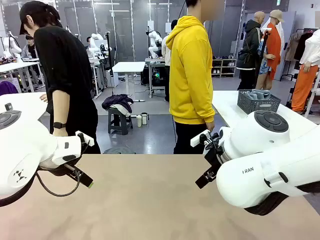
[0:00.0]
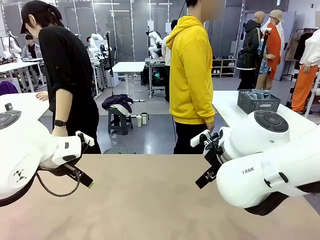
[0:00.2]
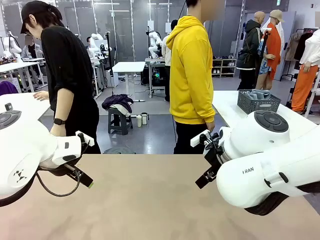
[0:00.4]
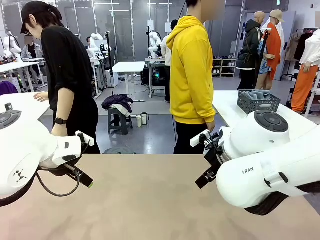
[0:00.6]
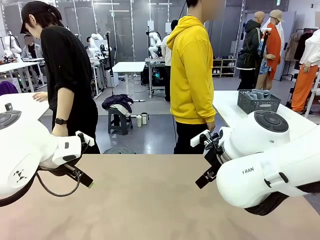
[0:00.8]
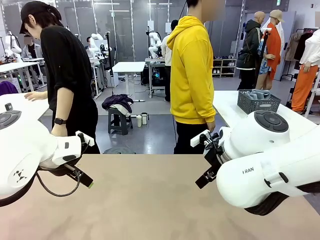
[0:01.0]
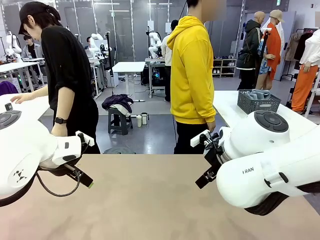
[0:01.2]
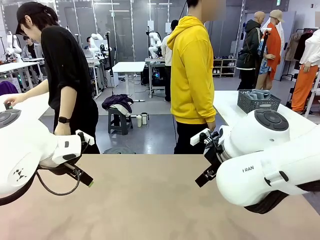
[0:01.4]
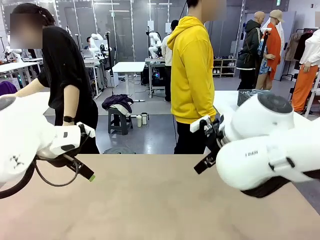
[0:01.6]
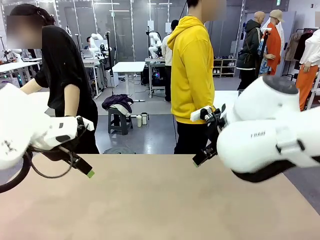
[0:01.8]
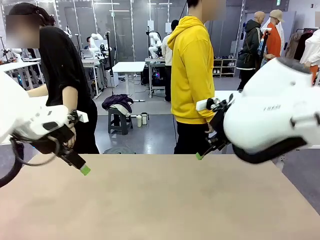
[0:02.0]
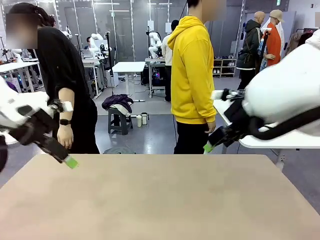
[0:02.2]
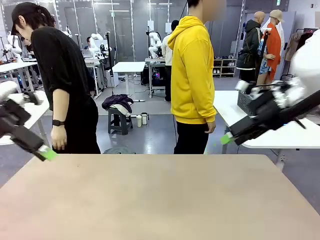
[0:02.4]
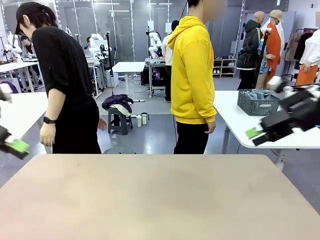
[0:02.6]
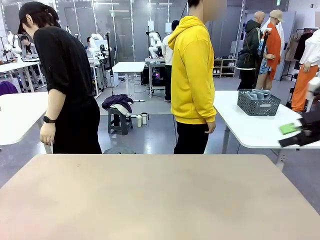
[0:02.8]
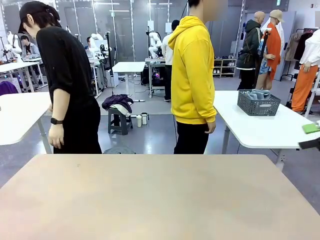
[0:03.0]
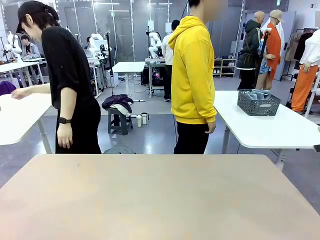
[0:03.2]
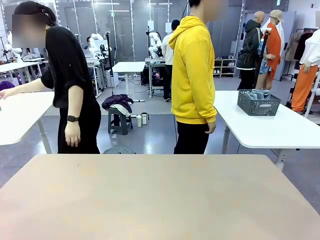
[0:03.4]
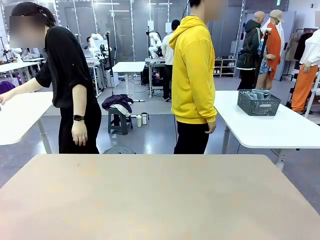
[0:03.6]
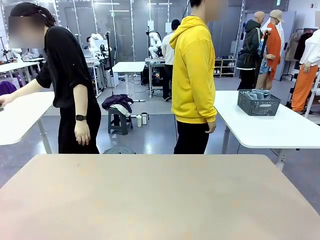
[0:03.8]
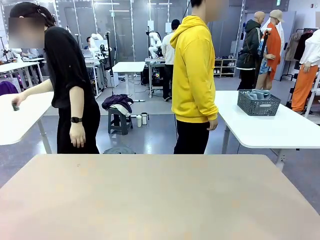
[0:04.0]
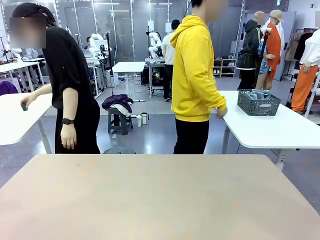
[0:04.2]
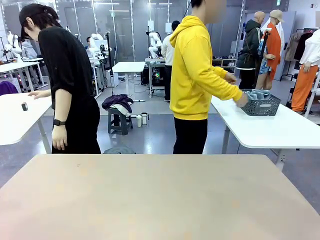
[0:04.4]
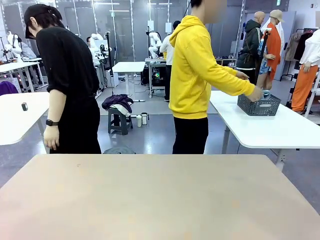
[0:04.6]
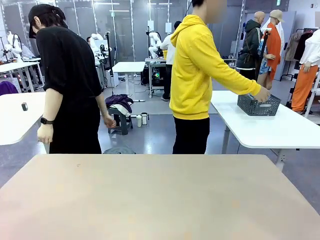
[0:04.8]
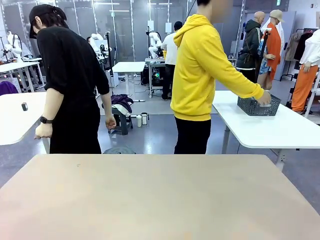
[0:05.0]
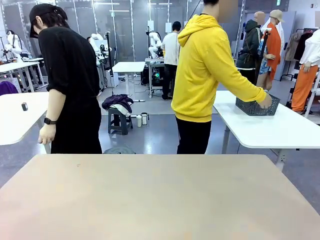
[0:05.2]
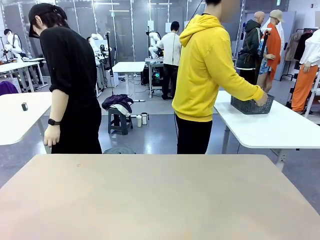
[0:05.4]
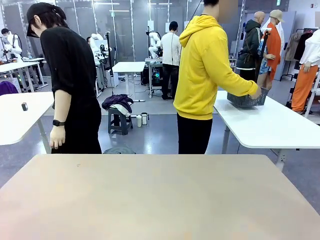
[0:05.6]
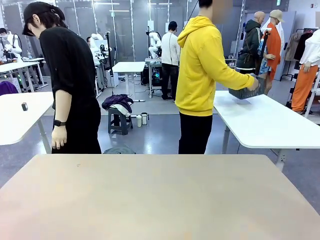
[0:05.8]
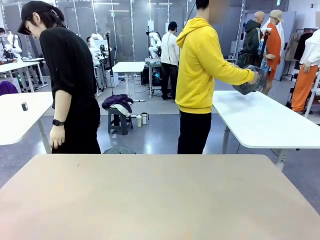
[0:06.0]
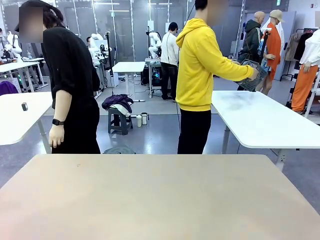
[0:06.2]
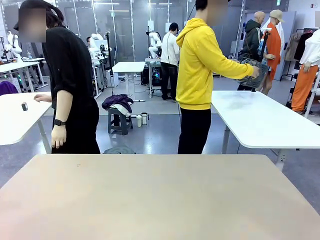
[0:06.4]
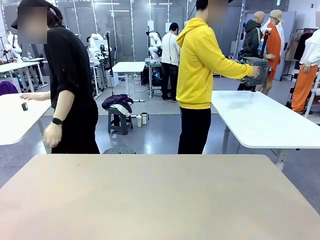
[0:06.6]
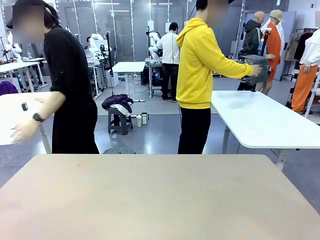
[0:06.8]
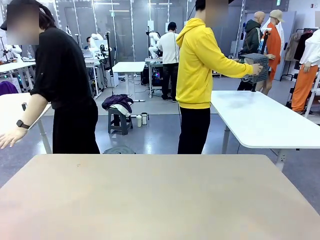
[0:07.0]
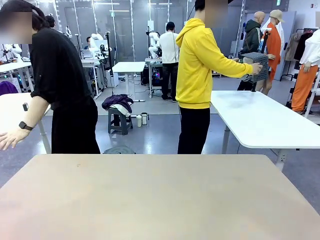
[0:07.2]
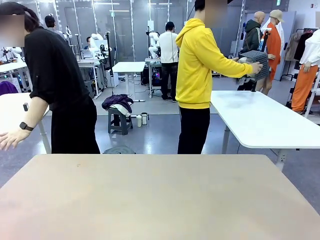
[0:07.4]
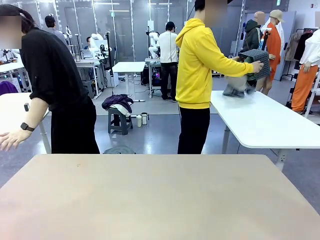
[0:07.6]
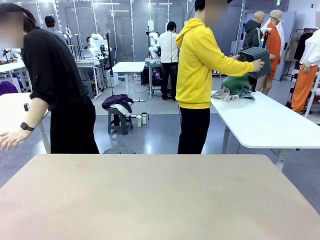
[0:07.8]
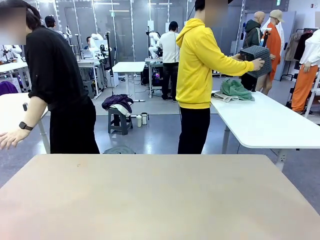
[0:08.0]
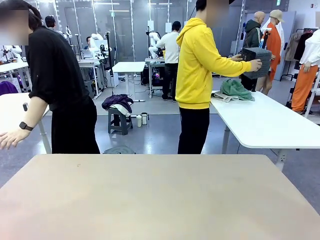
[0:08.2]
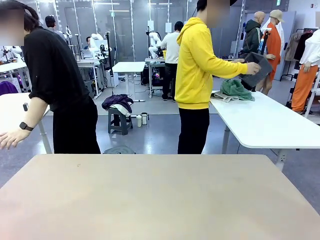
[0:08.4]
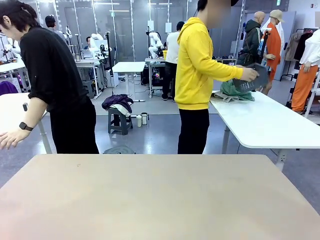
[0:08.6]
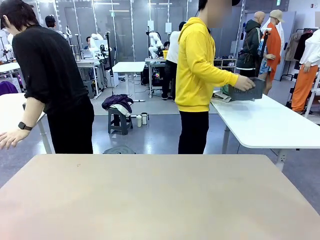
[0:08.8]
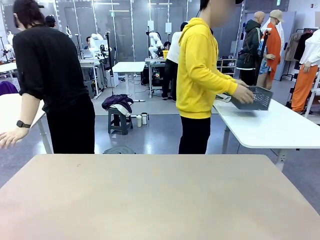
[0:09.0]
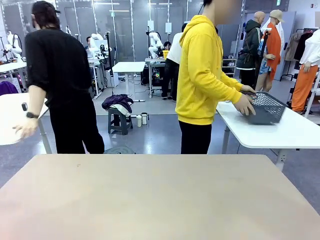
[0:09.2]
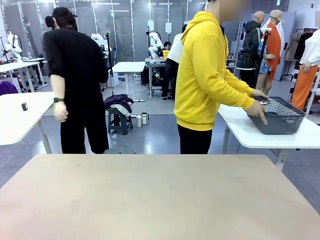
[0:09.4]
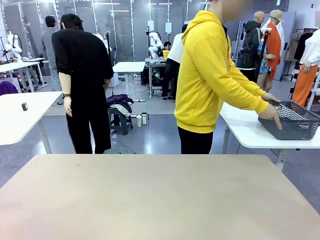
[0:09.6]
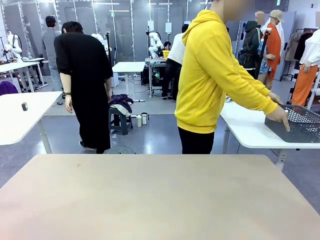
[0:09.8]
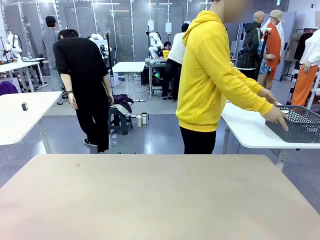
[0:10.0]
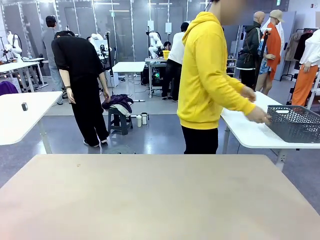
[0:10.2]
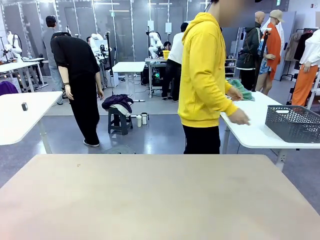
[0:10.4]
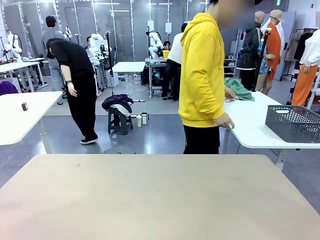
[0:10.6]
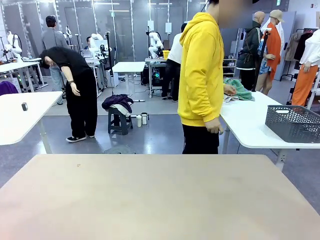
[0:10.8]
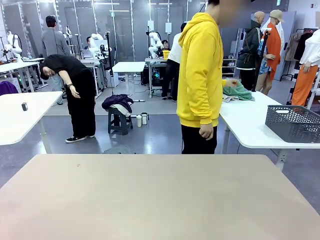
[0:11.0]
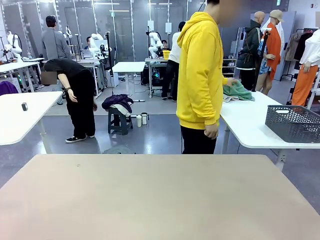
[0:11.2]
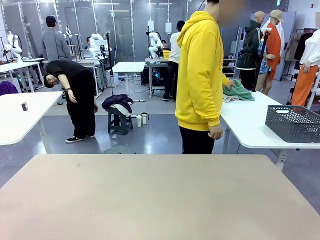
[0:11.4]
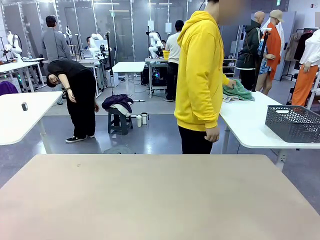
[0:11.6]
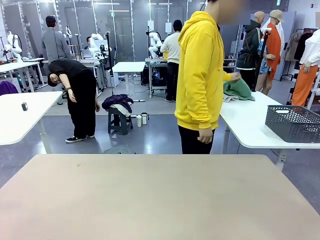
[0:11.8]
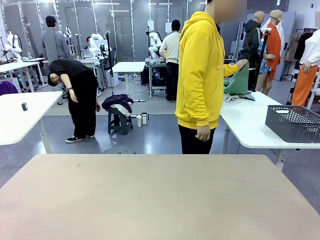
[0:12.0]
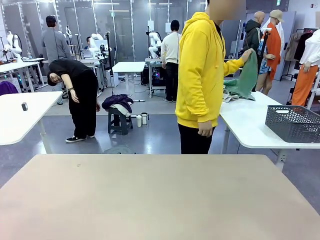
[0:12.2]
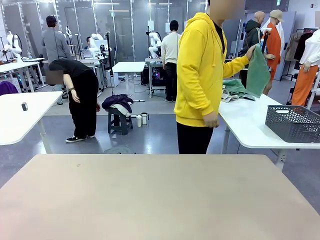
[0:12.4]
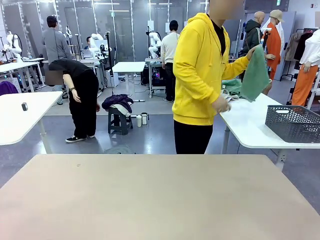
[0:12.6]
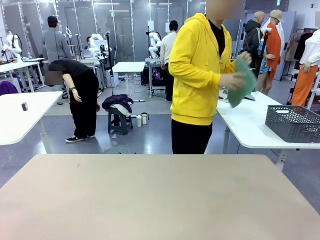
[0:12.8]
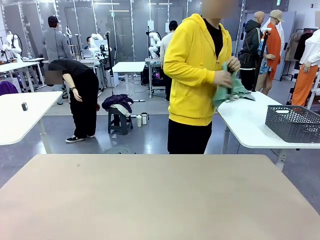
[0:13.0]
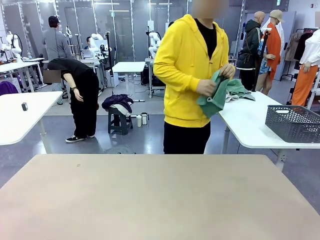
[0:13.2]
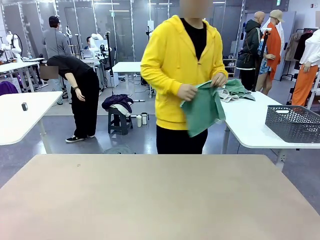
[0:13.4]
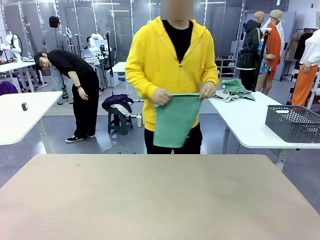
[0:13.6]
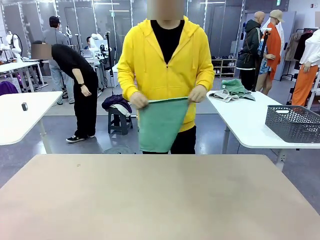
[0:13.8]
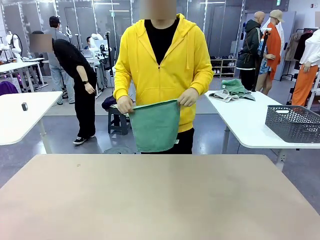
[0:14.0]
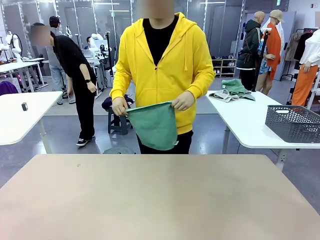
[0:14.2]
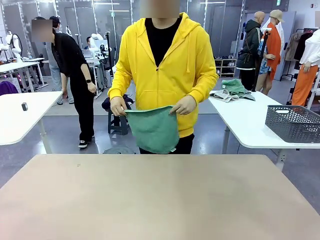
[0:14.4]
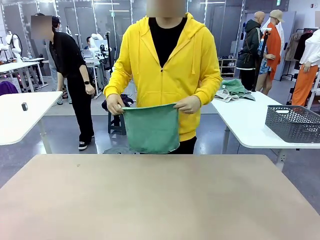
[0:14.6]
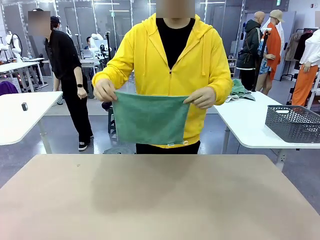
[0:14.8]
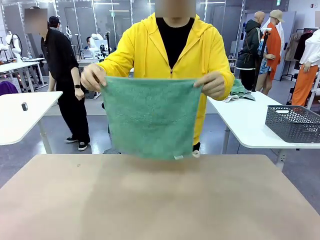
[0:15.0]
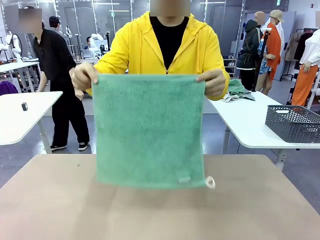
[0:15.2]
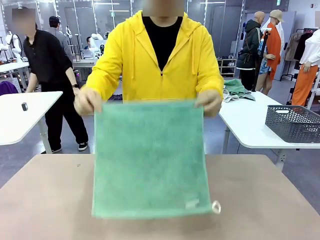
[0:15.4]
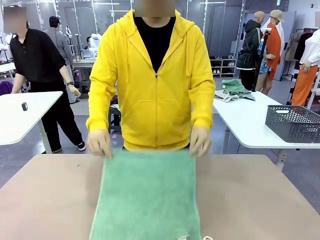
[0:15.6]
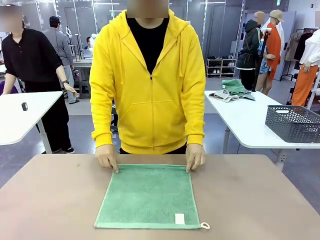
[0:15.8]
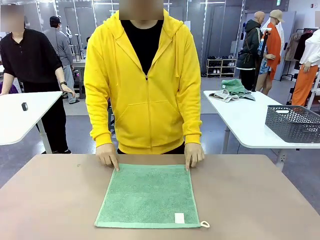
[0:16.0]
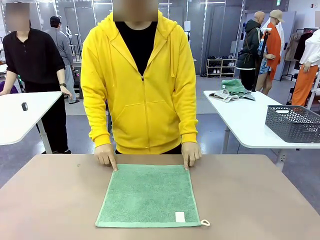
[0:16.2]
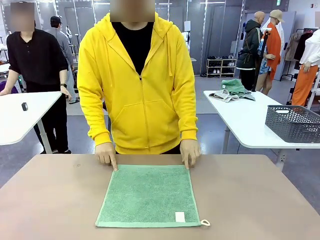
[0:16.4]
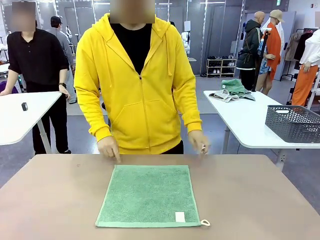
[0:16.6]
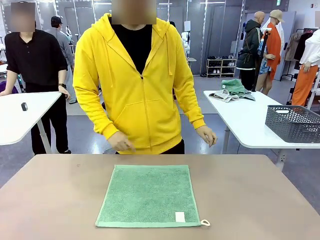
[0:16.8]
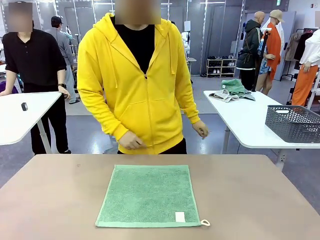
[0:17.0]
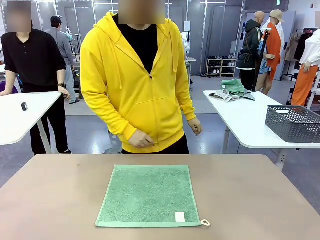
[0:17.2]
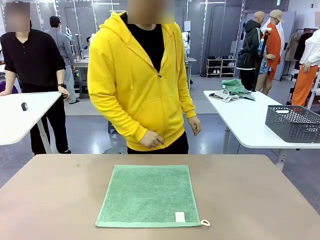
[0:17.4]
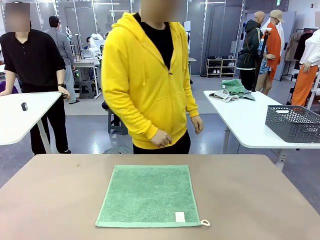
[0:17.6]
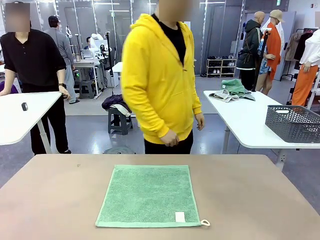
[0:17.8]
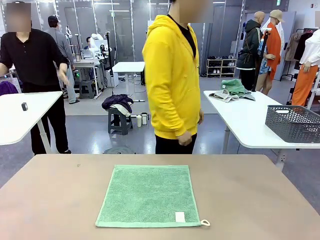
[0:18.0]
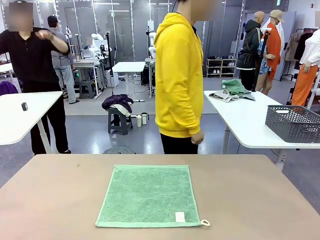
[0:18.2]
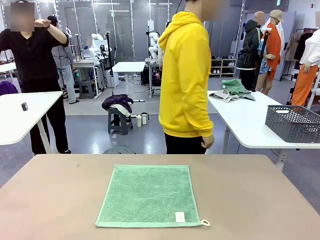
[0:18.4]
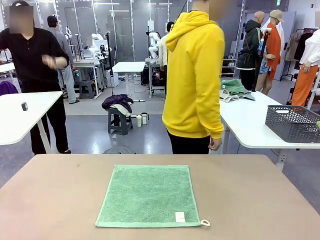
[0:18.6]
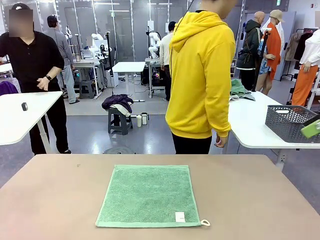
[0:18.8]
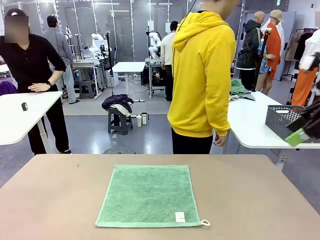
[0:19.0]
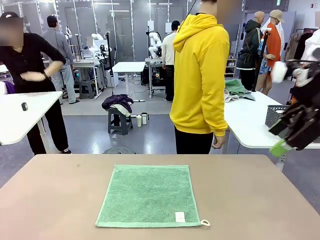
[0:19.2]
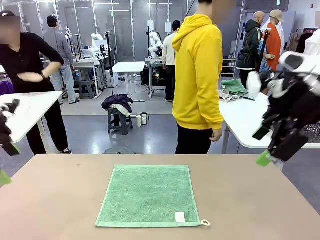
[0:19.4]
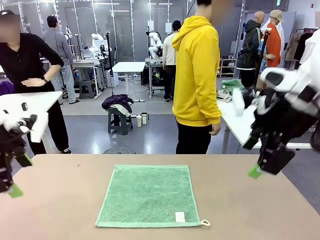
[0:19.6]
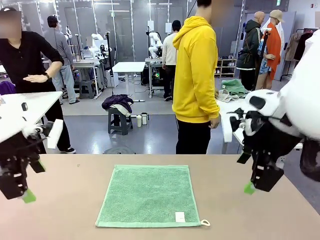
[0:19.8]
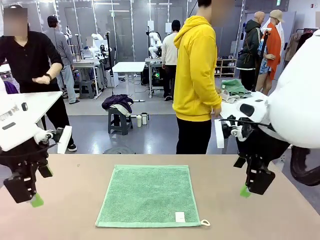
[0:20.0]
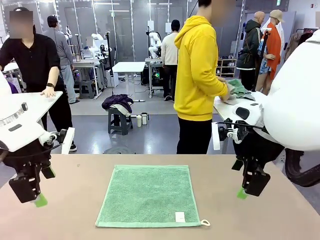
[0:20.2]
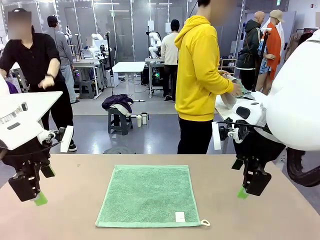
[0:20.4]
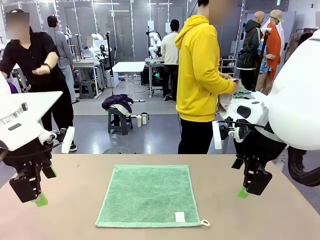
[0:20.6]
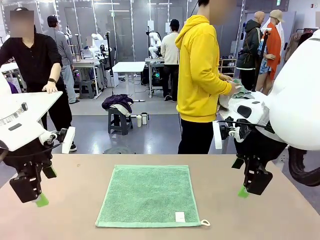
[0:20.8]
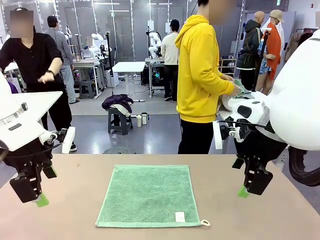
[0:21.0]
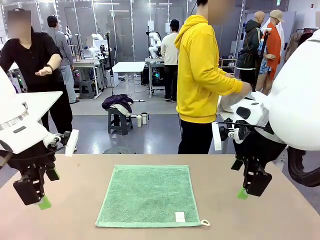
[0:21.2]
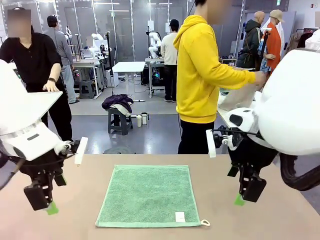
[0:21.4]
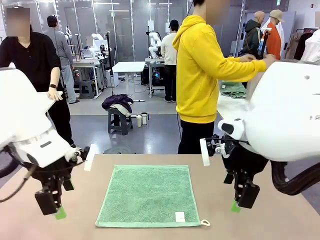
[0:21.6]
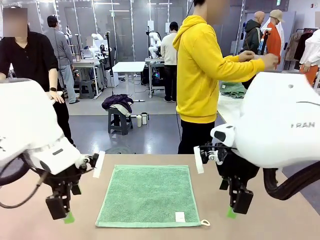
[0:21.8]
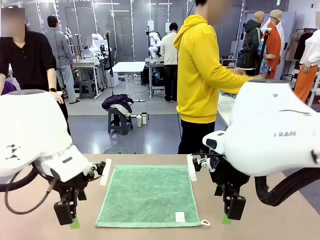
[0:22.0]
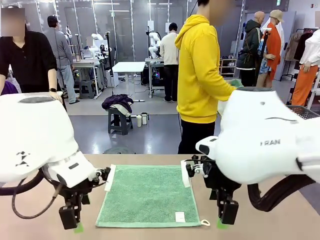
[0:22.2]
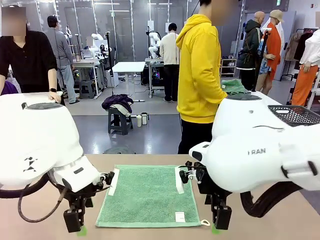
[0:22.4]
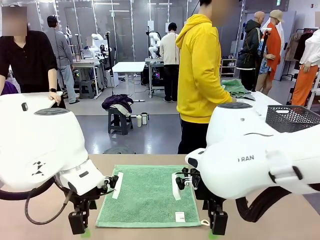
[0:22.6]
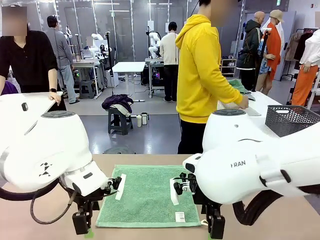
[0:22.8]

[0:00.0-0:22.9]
Task: Fold the towels and place them in the basket.
Robot: When a person lays out a Towel with hook on the table, fold it in half twice.
Person: Pick up the basket, pour the towels onto the left side of the human table, and place the basket on the right side. Pick up one towel and spread it out at the center of the robot table. Pick up one towel from the left side of the human table, fold it in half twice, and place it on the right side of the table.
